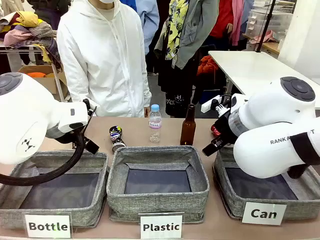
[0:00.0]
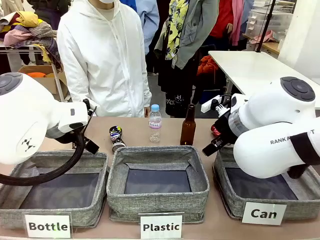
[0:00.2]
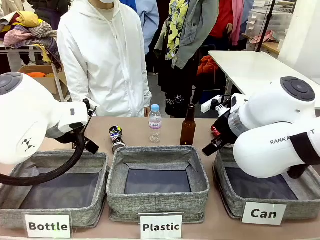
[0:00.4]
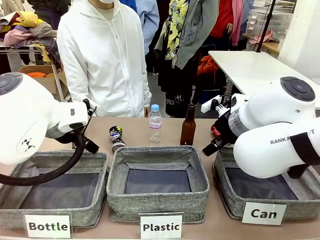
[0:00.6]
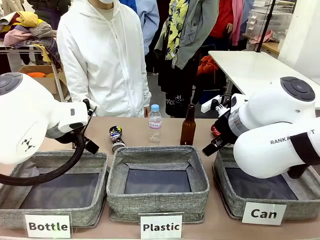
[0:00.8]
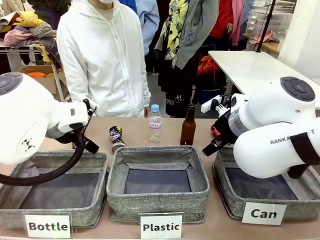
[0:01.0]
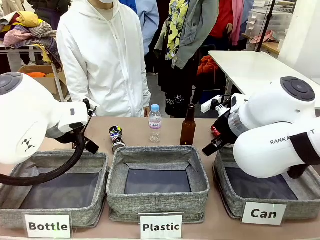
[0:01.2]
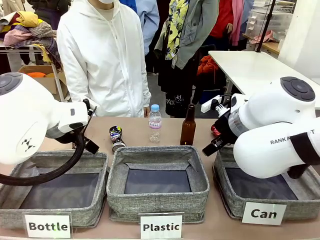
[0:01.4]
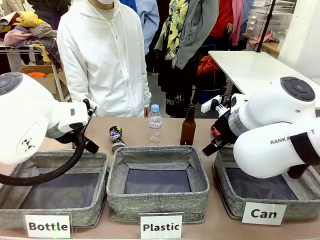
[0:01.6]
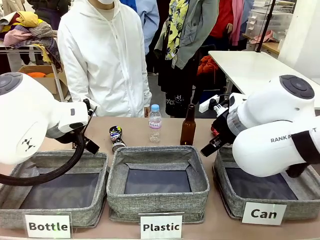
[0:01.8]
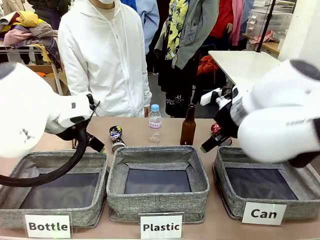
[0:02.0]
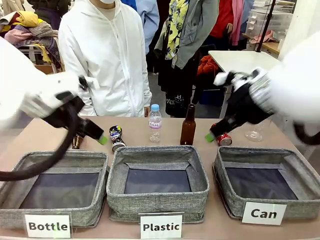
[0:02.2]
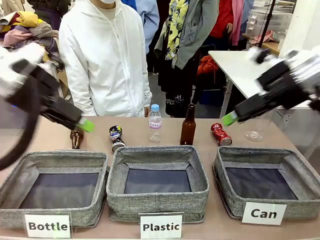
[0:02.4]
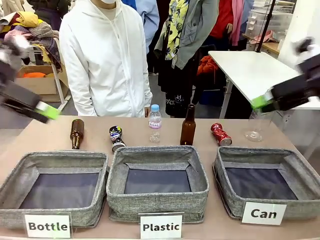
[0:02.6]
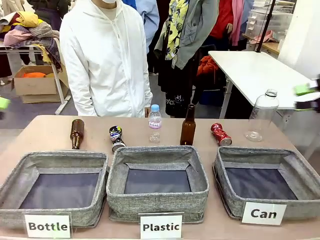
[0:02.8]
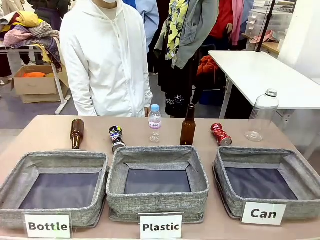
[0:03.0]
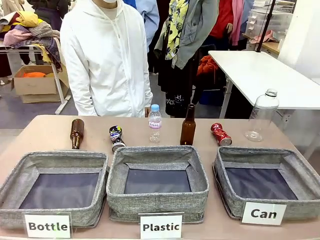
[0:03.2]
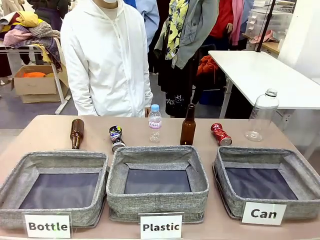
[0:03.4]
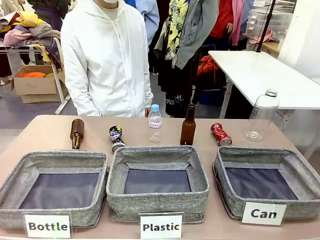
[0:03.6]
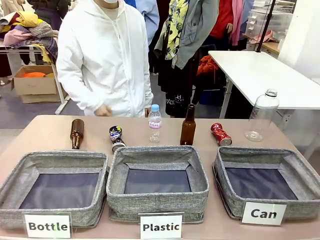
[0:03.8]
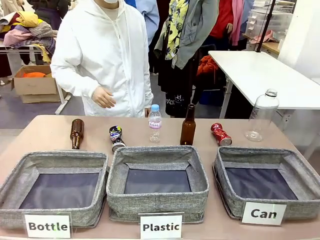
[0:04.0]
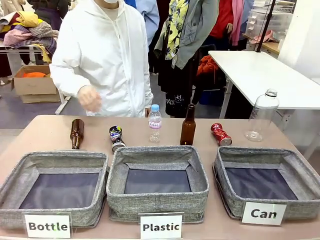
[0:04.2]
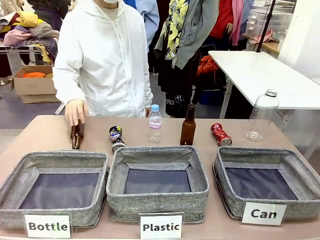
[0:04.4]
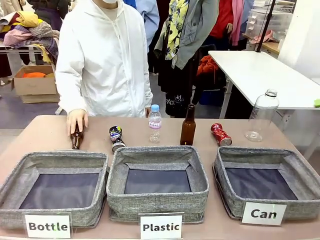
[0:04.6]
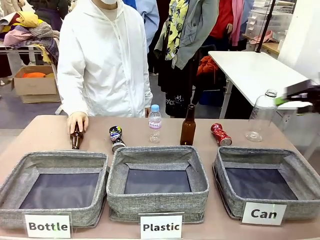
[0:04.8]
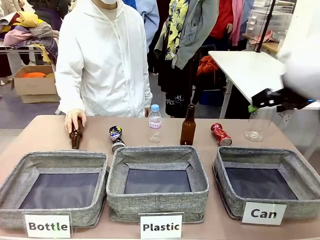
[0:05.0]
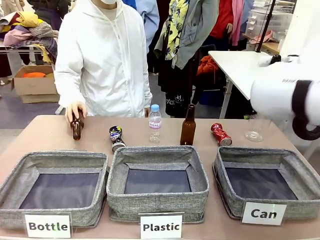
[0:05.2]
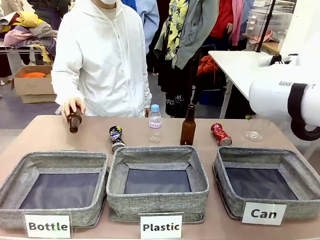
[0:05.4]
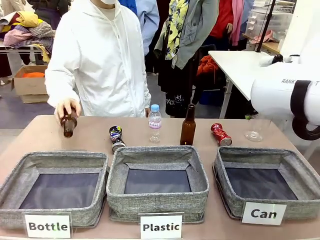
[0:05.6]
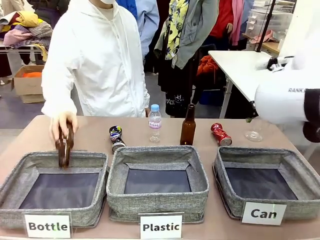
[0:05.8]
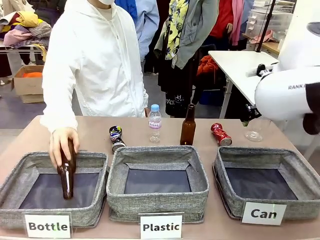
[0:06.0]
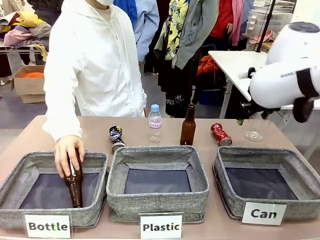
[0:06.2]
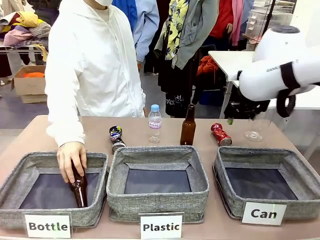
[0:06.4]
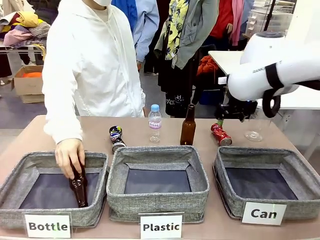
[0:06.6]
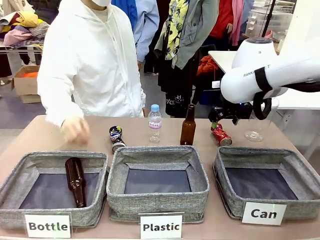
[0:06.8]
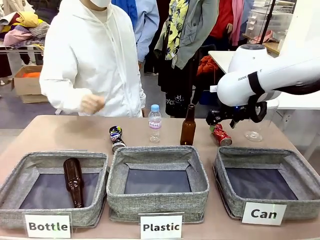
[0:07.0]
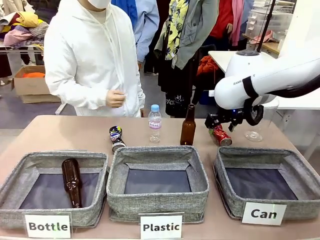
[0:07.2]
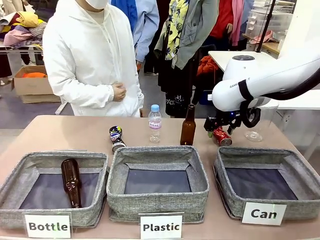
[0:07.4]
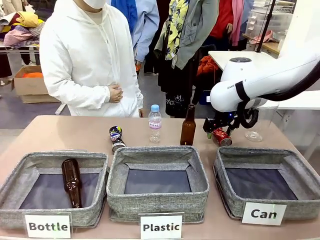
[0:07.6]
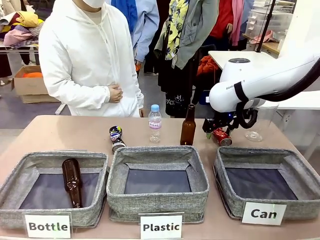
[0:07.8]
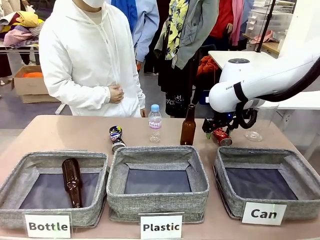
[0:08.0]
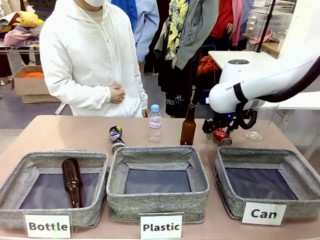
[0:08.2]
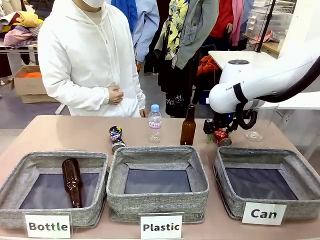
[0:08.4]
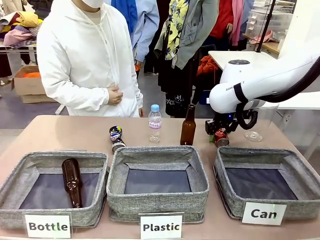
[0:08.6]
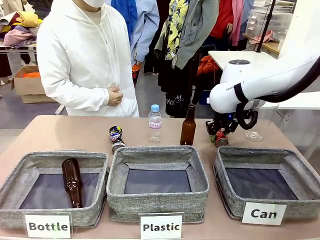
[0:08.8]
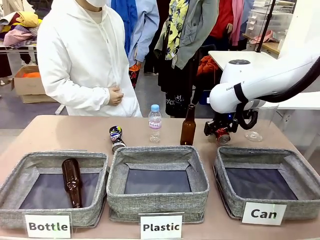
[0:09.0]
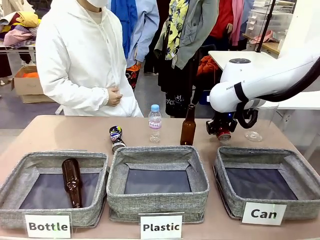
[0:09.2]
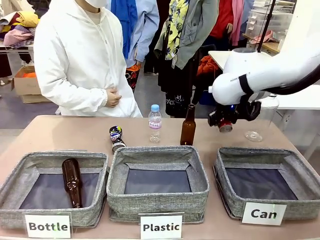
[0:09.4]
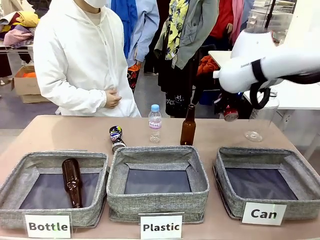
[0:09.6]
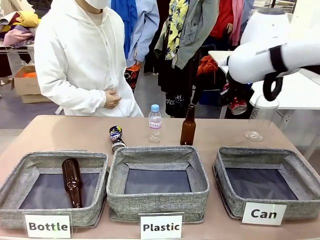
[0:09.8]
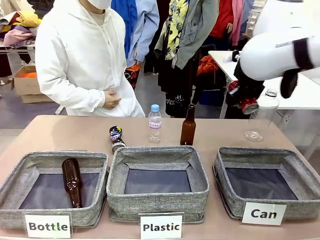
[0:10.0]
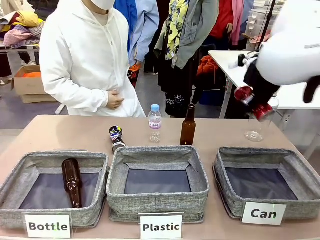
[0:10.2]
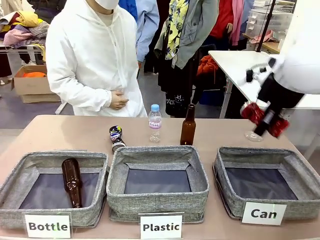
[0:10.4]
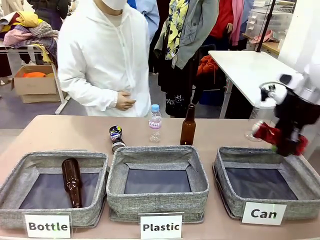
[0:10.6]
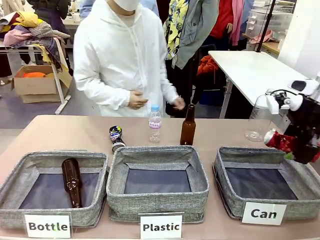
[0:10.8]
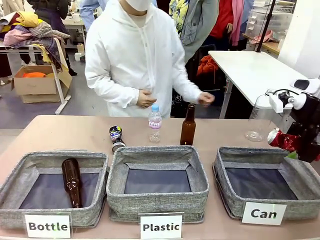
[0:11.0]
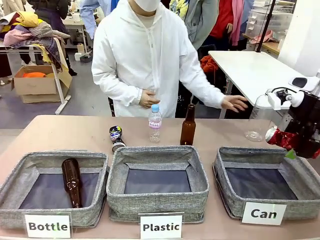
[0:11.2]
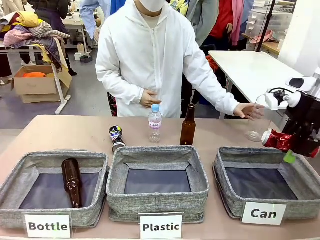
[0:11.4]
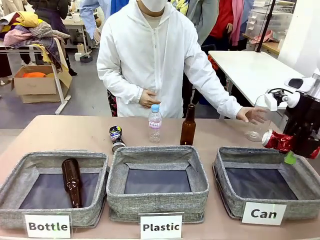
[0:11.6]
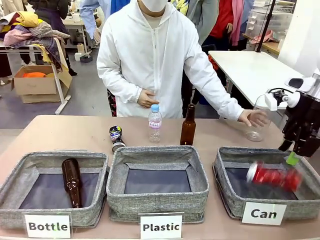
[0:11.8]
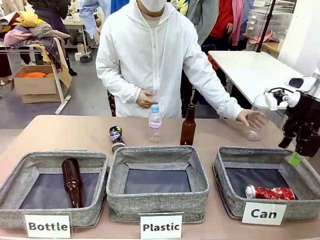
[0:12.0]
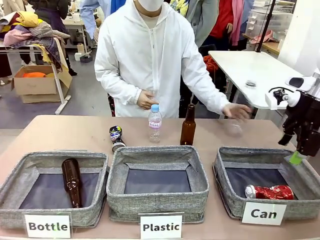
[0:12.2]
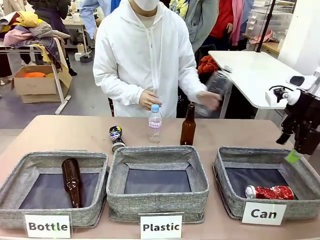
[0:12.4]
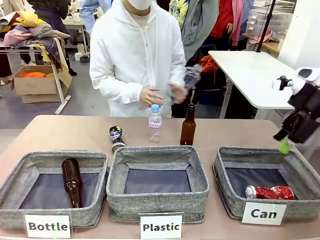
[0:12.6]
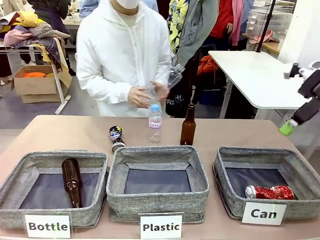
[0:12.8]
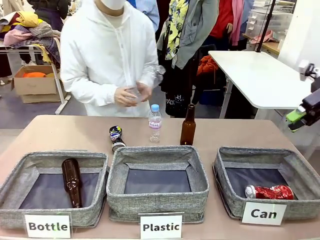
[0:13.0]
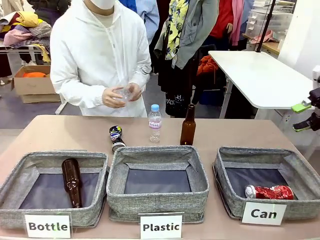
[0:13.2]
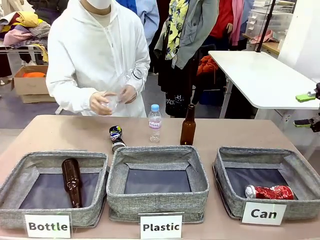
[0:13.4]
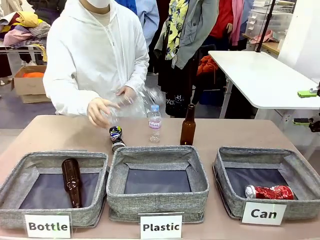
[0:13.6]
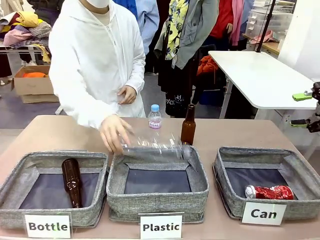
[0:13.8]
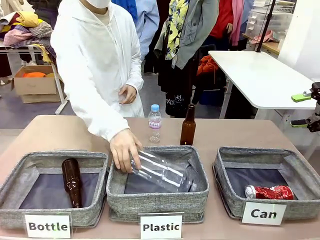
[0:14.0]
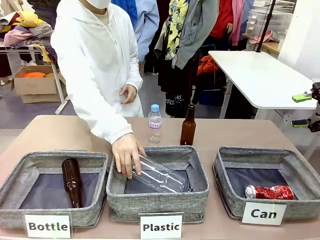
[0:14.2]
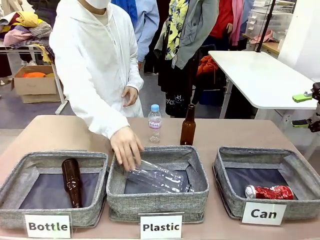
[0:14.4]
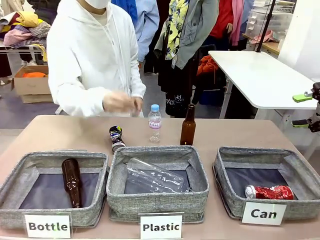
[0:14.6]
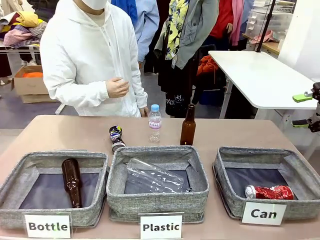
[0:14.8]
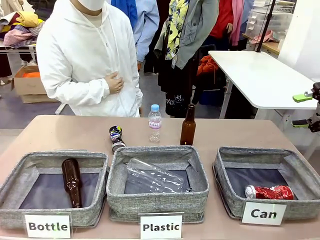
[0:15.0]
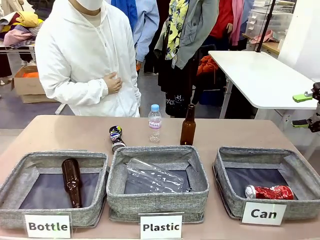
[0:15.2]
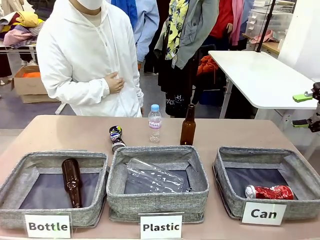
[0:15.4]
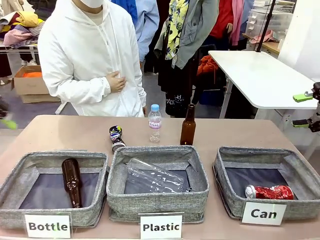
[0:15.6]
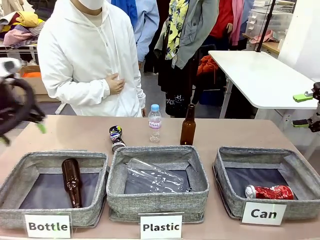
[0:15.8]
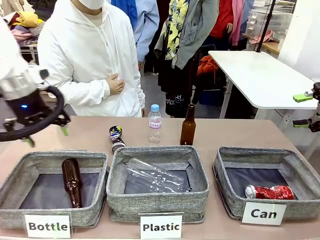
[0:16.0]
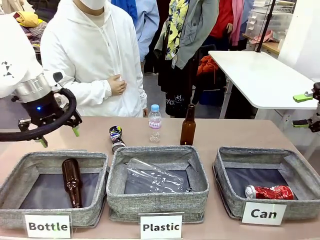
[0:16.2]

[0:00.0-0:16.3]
Task: Sort the can waste into the basket.
Robot: Pick up the can waste from the table and place it in the right Fabric basket.
